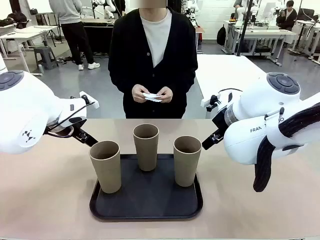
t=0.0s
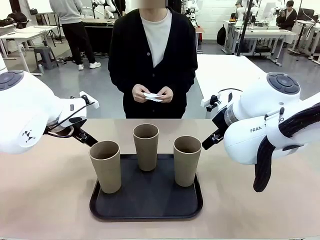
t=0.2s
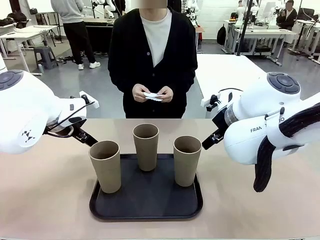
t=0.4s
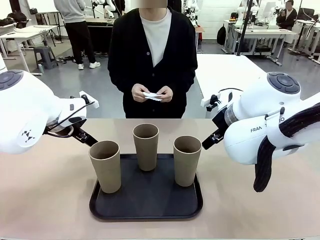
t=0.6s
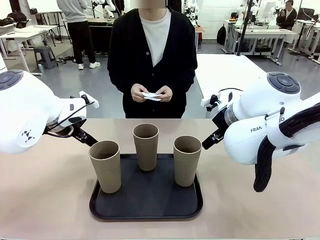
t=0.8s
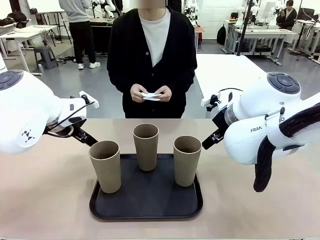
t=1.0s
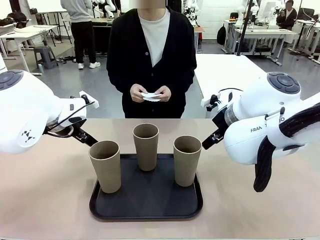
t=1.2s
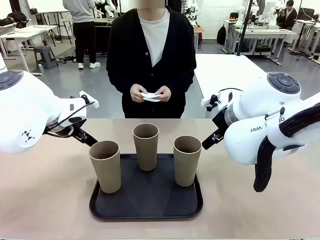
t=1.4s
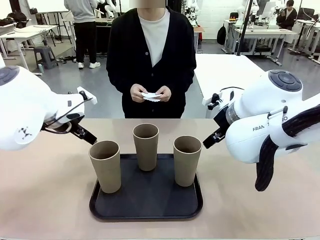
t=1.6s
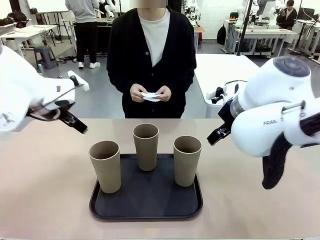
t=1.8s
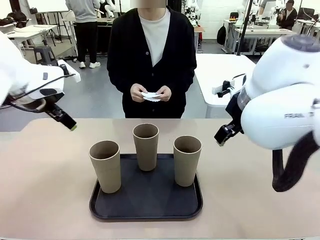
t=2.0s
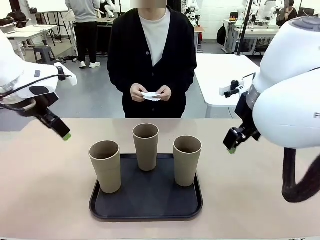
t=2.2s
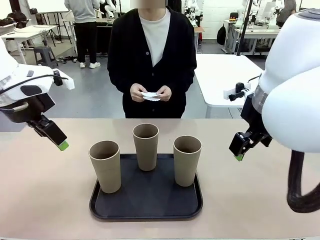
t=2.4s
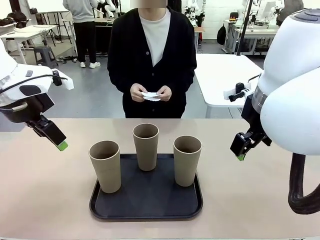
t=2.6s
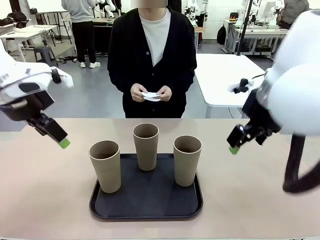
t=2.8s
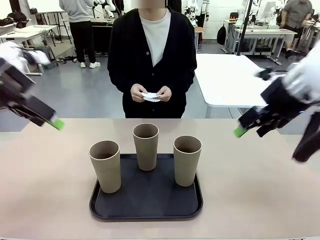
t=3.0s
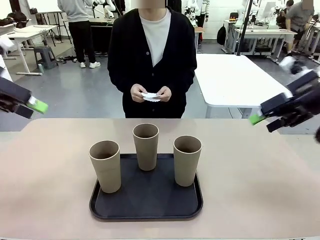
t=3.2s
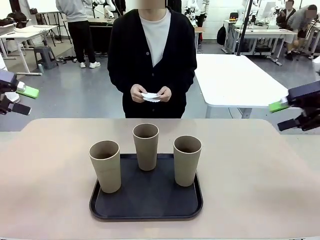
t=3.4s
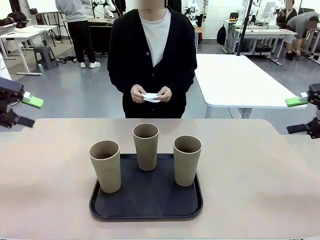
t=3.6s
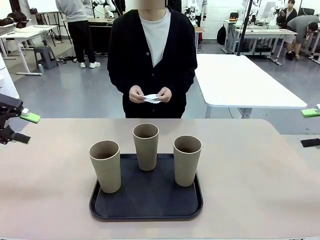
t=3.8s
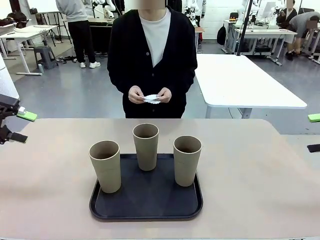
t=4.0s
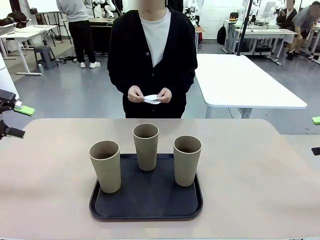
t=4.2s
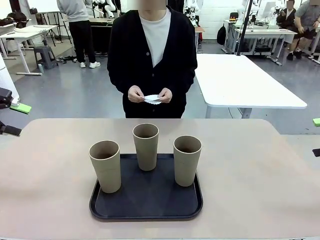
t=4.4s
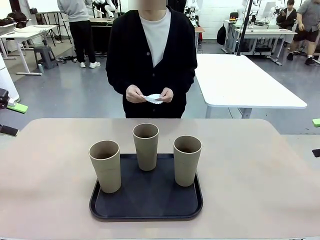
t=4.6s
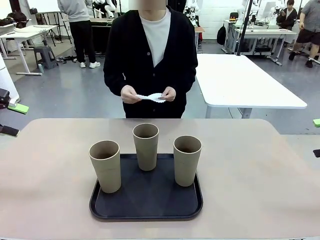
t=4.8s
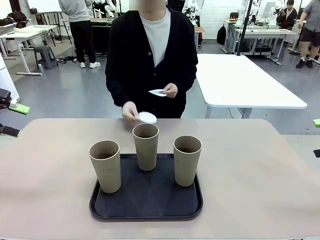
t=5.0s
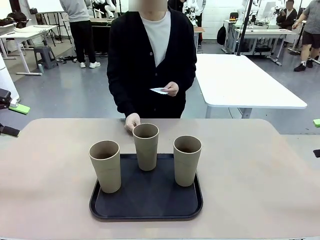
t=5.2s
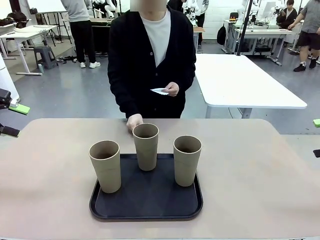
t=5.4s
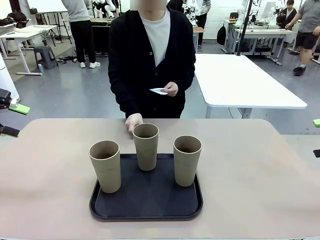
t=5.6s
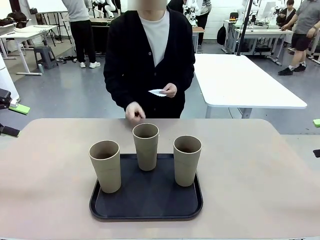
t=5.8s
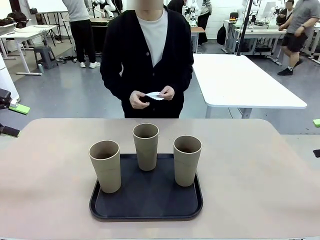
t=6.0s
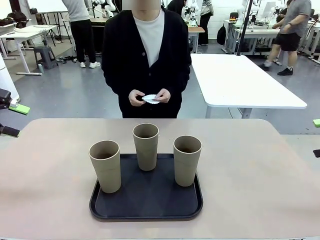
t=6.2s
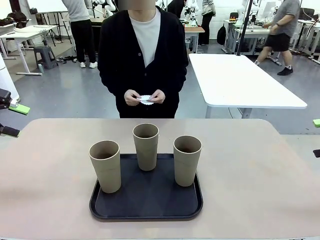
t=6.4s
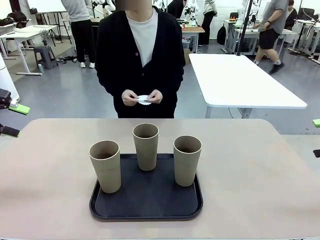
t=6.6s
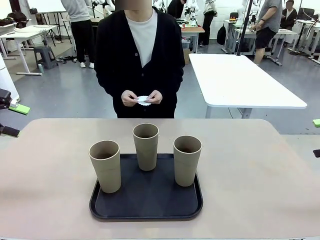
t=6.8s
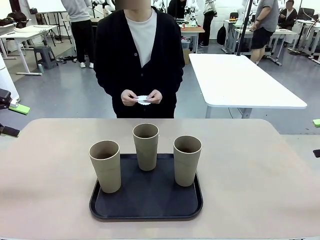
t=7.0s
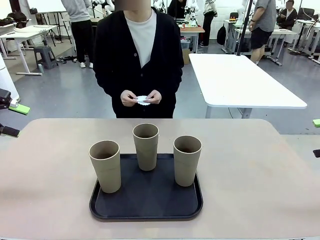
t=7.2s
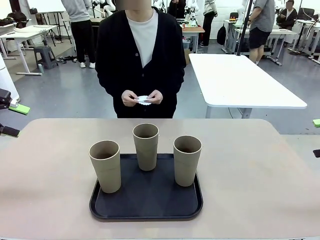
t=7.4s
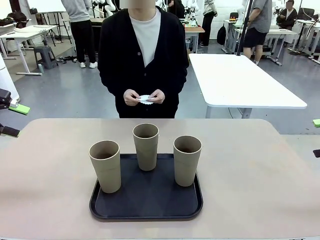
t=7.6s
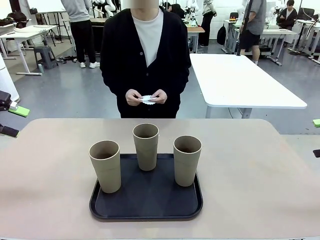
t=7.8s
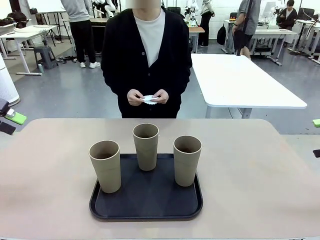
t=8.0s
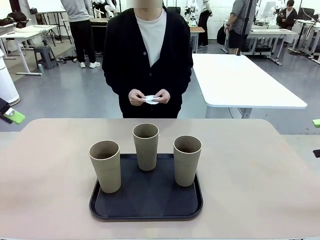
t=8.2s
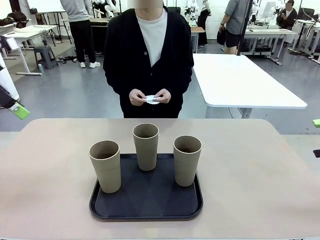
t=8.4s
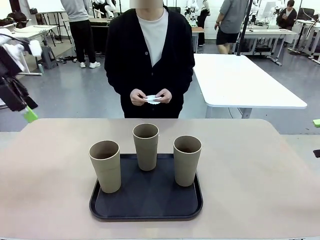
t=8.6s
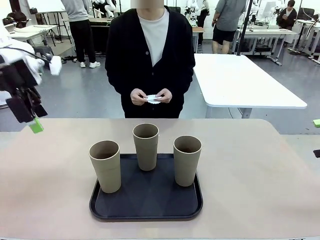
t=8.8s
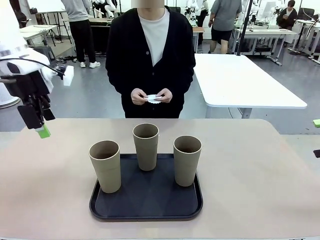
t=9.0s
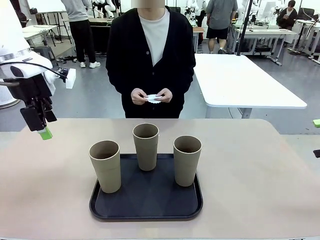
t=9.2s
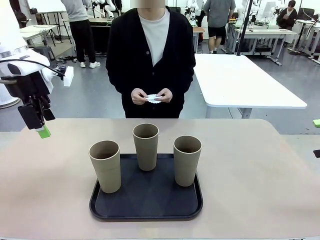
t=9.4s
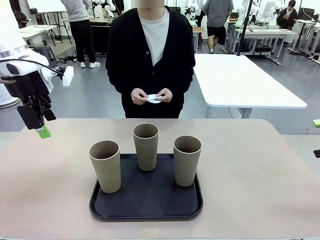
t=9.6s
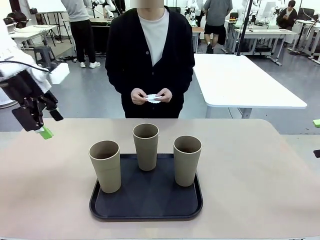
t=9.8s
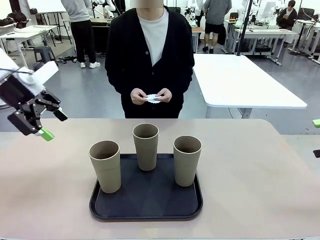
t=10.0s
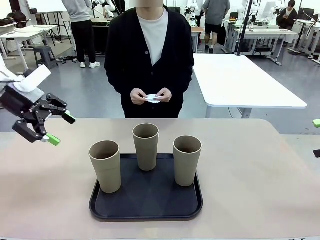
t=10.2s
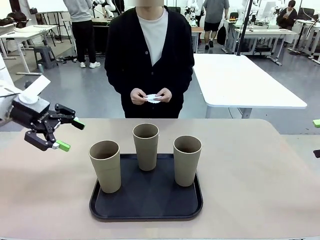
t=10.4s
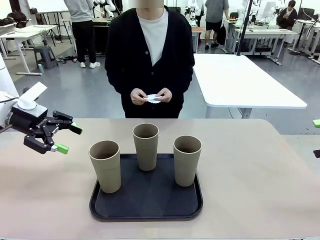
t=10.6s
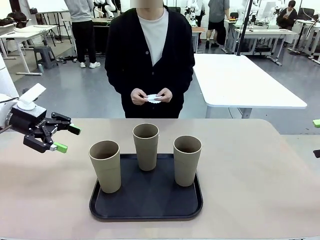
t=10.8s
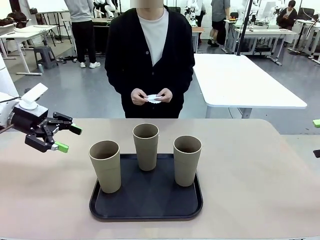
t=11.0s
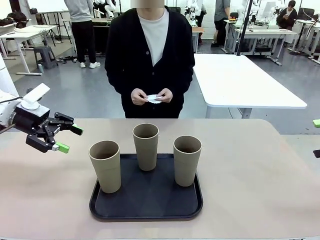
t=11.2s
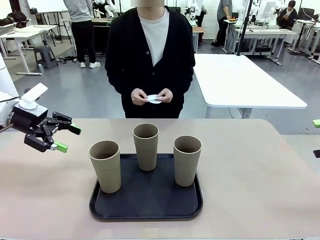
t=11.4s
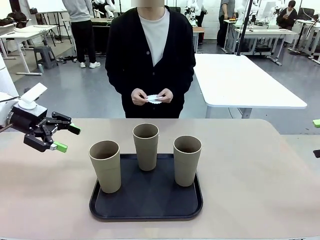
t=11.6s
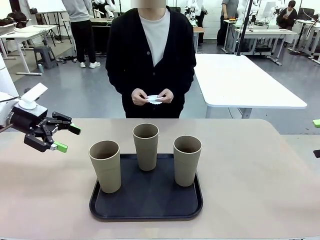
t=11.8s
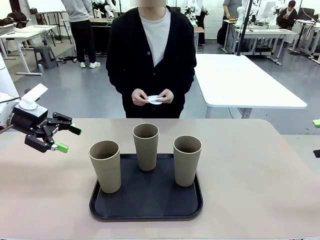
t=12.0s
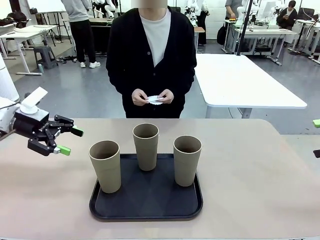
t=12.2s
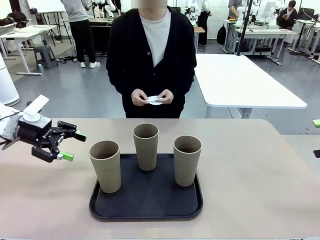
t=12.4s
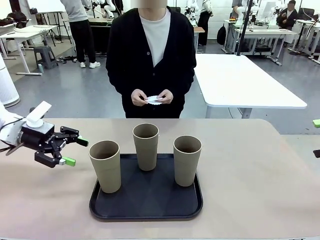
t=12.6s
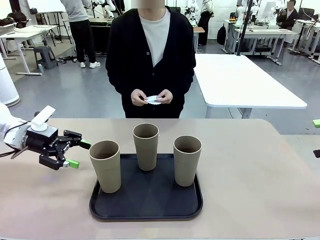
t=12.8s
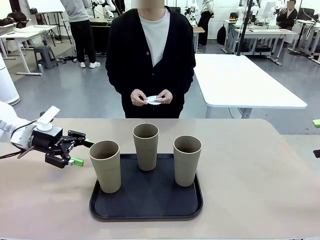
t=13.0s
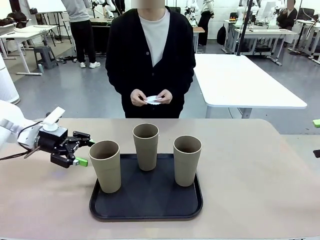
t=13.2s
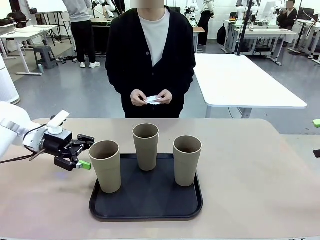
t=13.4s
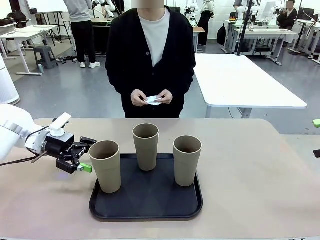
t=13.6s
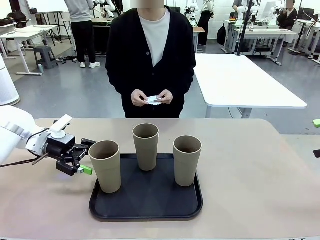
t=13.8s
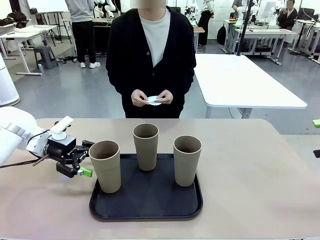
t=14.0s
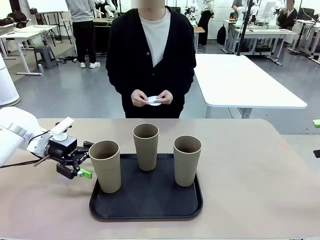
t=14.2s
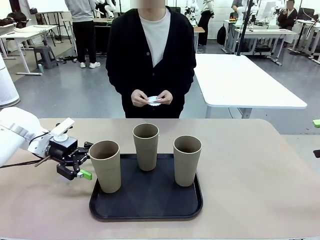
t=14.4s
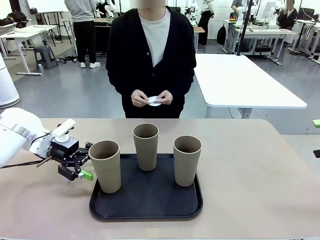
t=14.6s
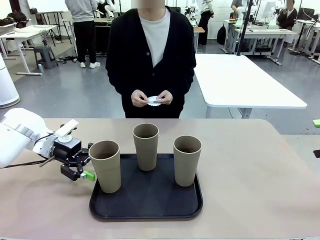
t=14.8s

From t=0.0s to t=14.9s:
Task: Place coasters on the table and set cups on them.
Robot: Pick up one Reusable plastic cup and place it on a coaster set by the human.
Person: Place one coaster in any one of the three lower areas of the robot table (left, center, or right).
